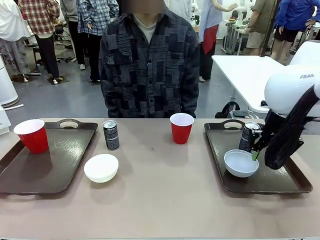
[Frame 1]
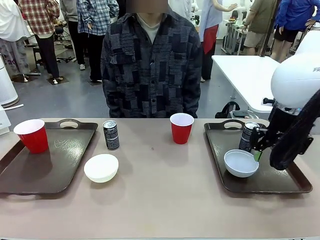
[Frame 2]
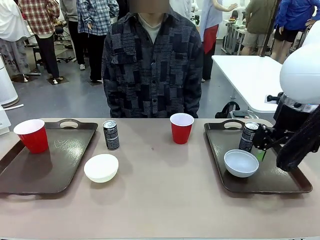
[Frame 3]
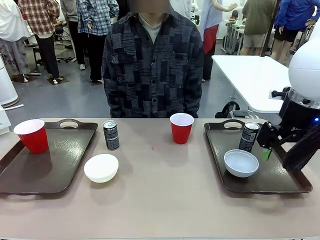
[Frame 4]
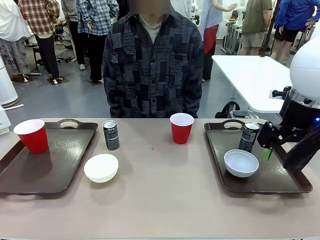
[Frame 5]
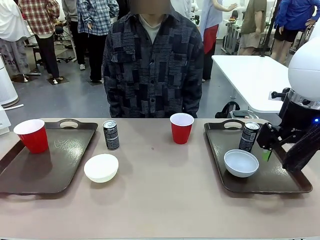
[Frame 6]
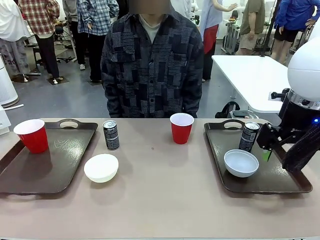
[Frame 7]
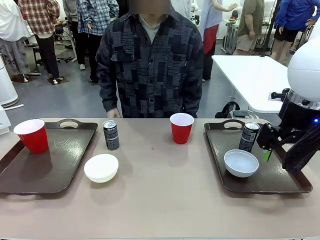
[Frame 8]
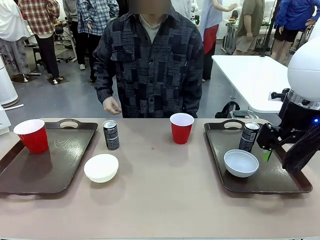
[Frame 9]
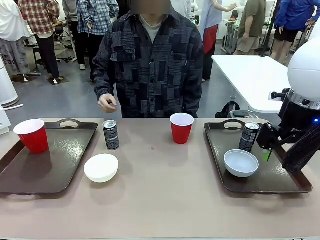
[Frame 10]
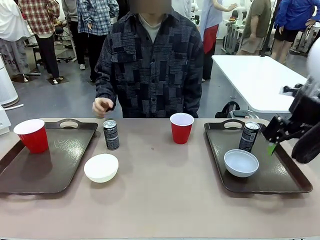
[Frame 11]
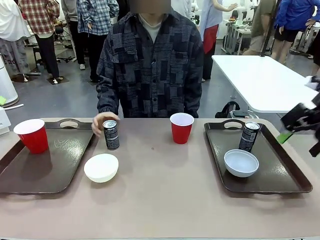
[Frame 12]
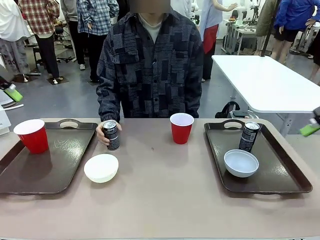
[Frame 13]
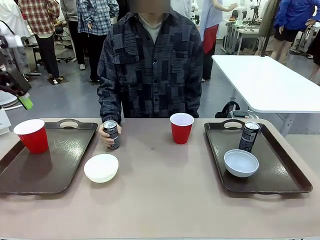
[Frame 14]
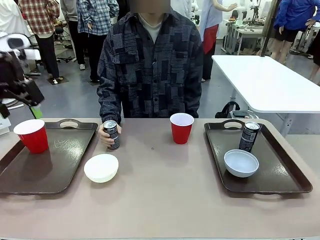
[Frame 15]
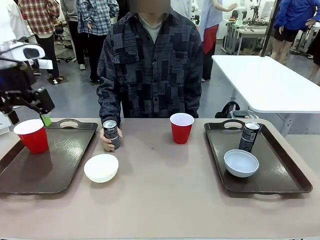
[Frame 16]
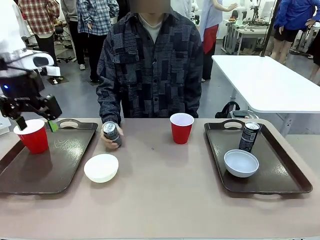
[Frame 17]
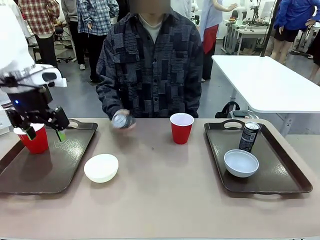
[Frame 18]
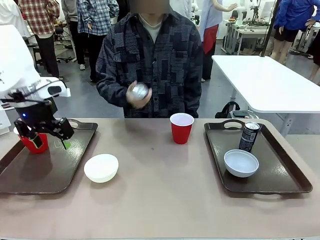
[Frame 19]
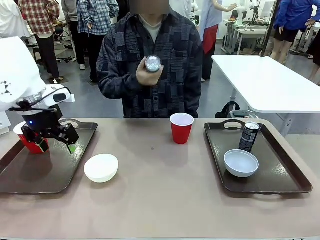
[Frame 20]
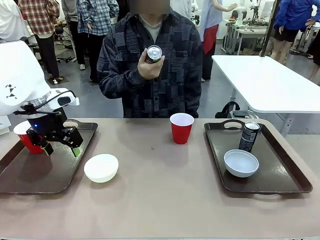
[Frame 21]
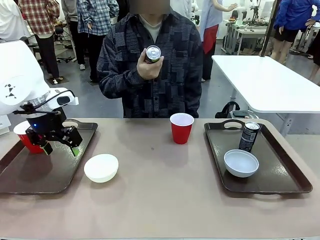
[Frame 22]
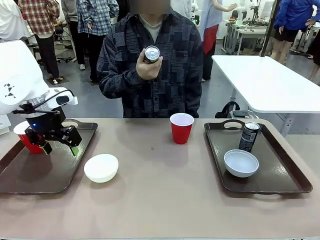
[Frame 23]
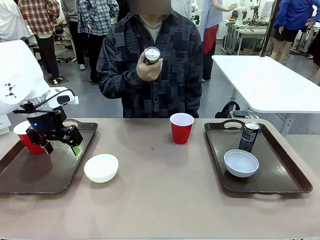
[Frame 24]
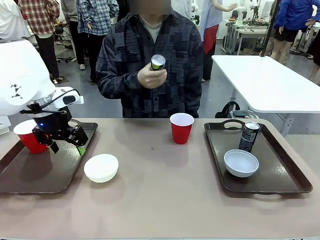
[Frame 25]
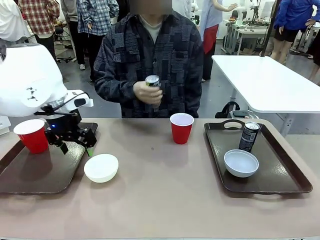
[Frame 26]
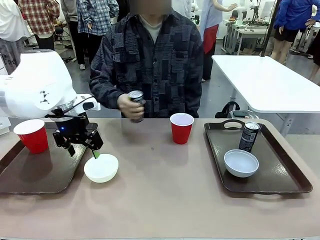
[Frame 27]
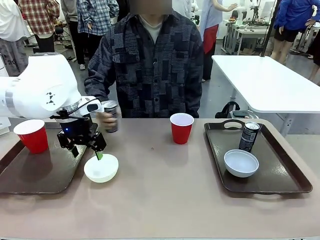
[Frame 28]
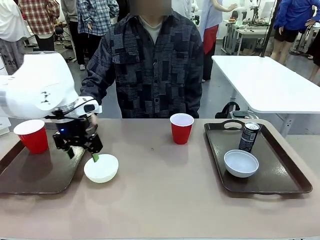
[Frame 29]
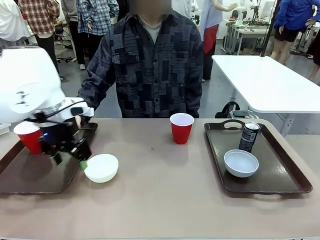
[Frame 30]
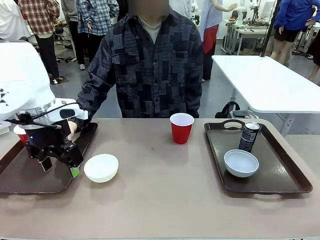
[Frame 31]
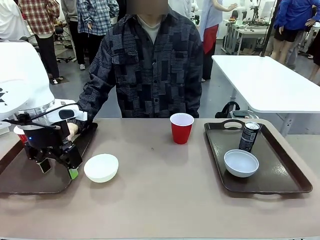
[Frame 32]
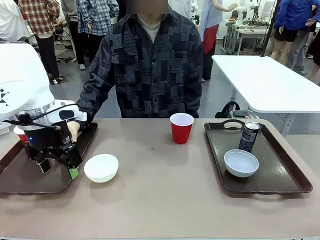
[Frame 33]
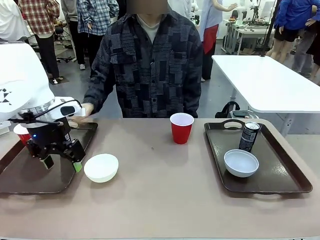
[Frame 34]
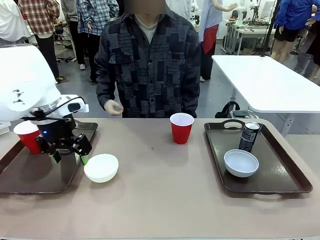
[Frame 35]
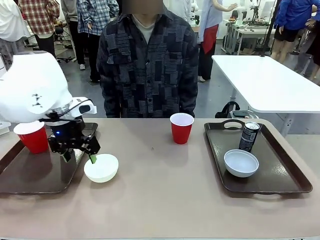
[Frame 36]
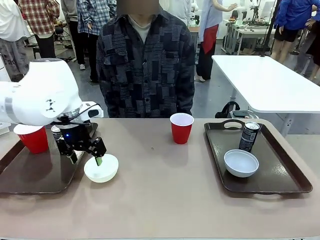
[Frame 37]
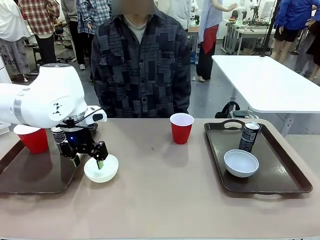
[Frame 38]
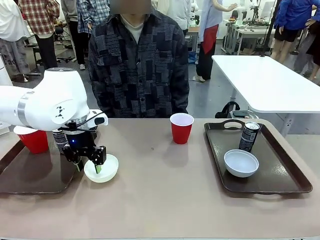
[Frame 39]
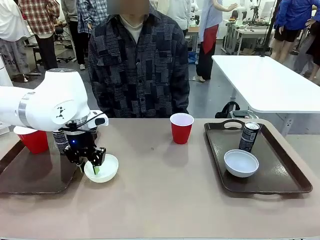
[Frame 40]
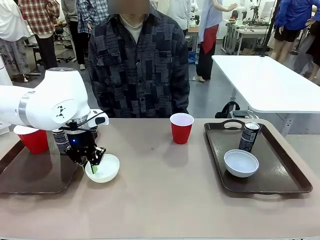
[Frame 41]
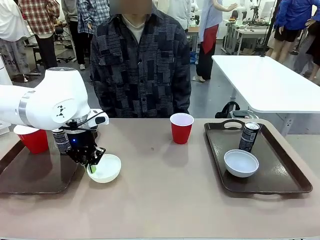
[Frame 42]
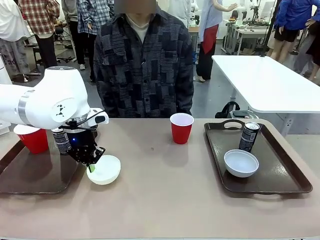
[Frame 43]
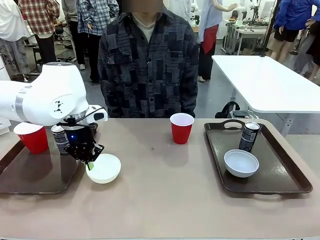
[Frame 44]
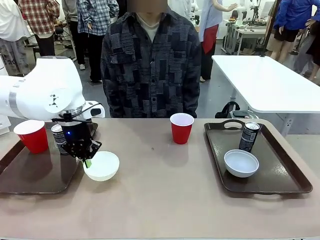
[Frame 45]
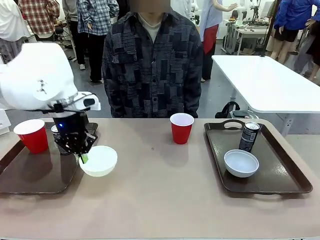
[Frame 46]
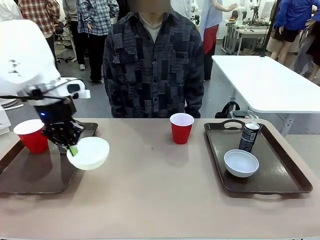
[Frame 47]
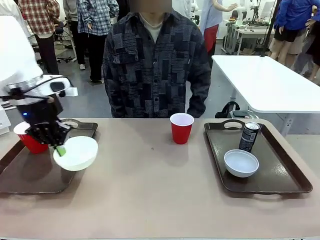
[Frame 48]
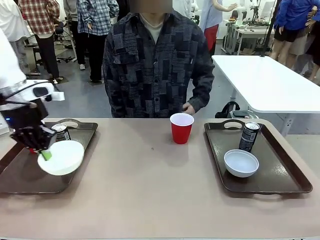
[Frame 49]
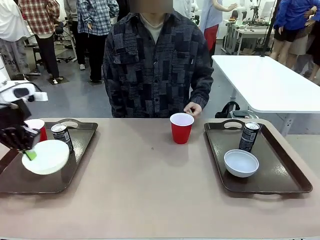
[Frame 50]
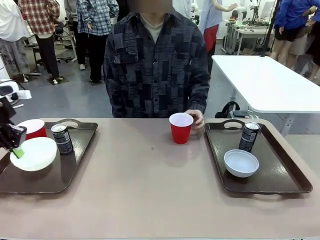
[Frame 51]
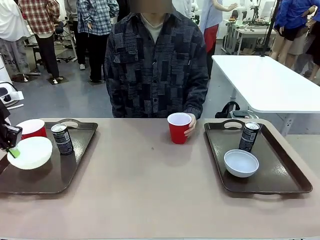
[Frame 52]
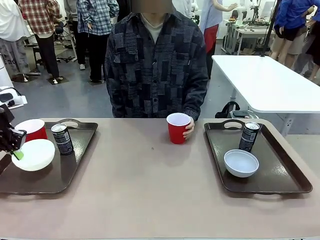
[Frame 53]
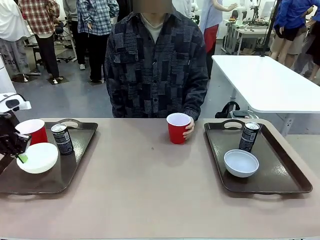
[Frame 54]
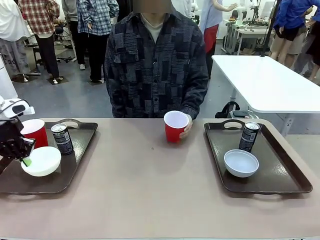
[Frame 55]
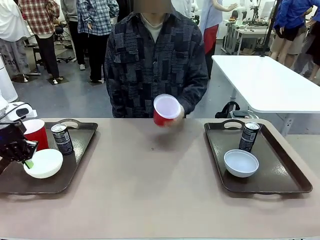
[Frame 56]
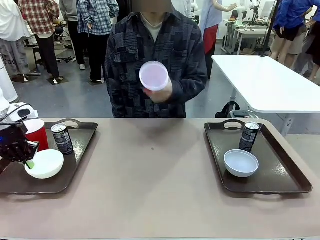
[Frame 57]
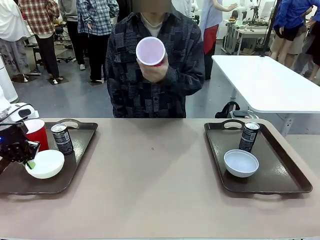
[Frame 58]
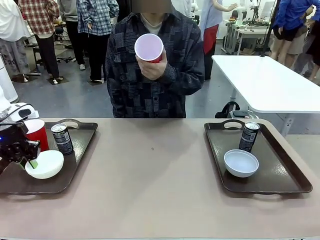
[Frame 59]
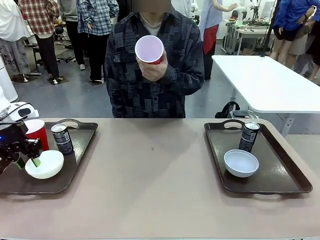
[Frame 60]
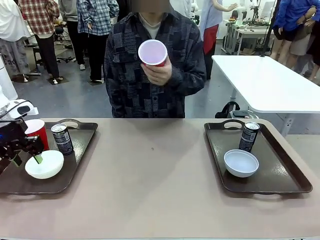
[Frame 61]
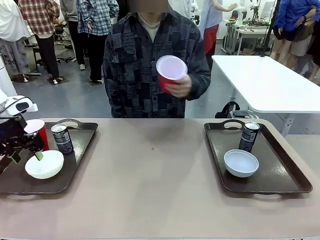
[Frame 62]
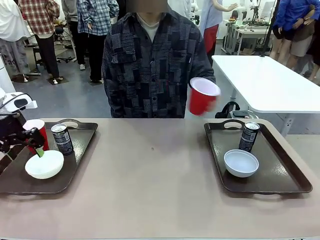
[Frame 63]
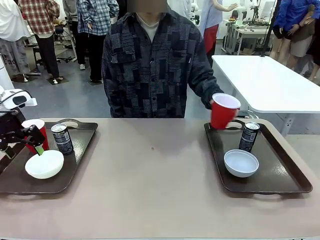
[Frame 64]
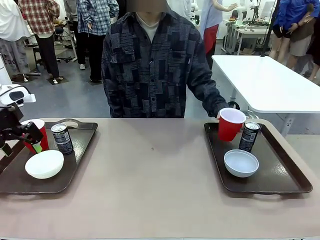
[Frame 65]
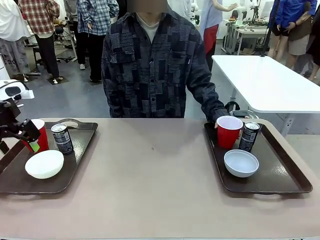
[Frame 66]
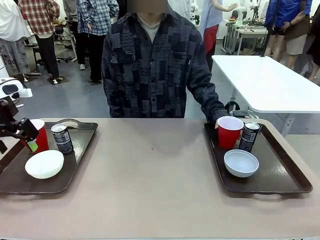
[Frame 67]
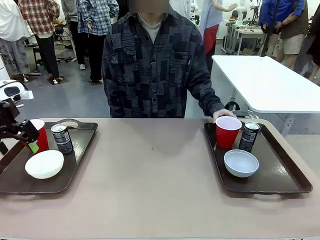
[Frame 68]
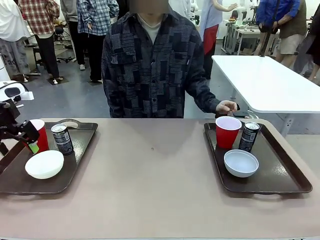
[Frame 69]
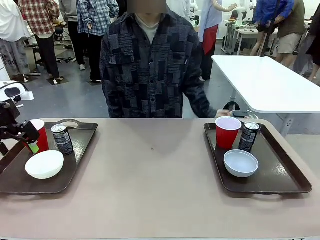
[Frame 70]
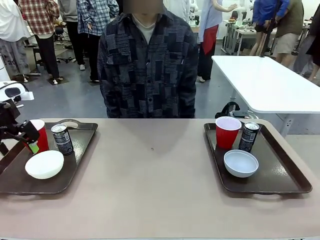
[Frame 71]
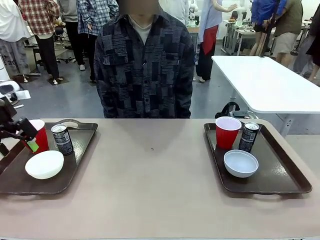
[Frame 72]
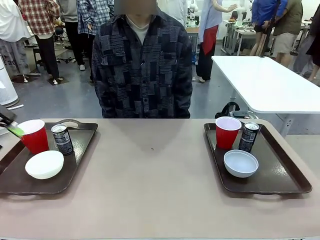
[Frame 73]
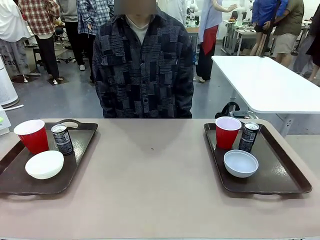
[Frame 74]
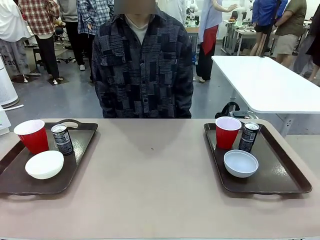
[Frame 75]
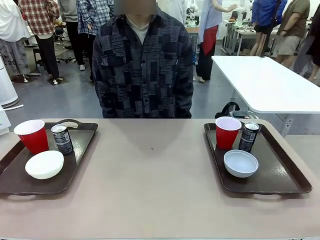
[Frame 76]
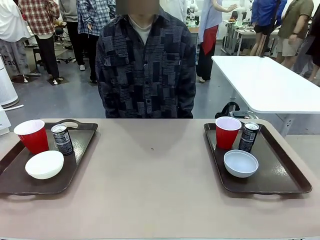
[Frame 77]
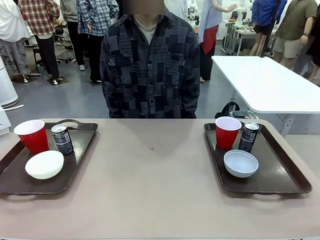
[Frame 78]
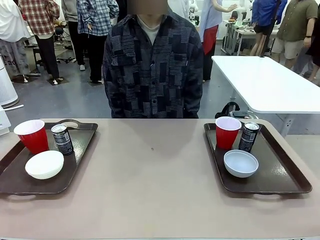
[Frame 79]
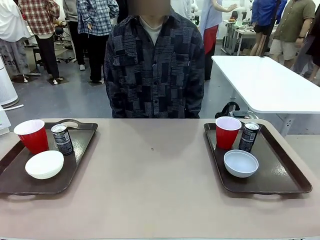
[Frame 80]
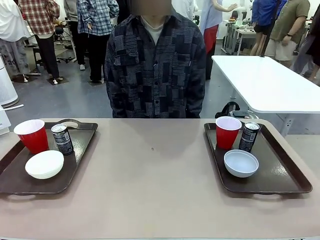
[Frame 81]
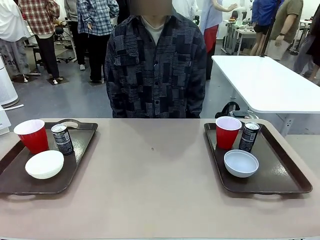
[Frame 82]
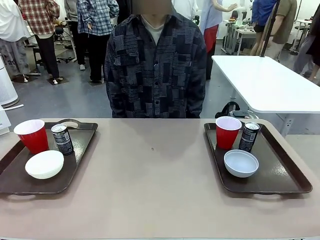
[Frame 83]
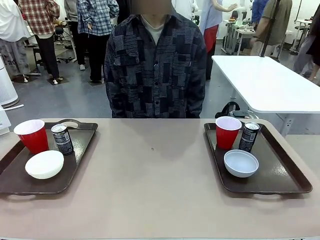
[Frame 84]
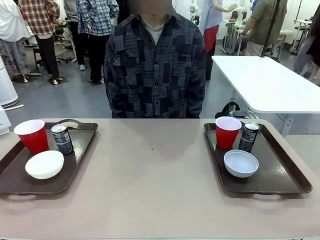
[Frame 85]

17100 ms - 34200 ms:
Task: Prepare tableware on both trays.
Robot: Pick up a Picnic Bowl from the table and place it on a Handle tray.
Person: Pick up a can or cup and place it on the tray without a can or cup.
